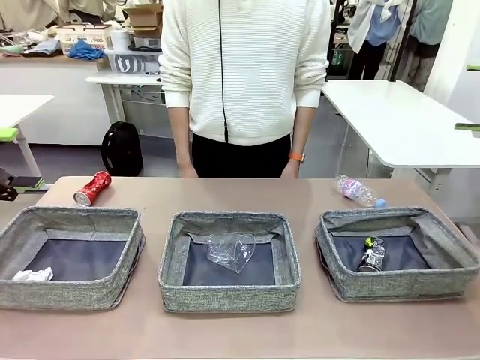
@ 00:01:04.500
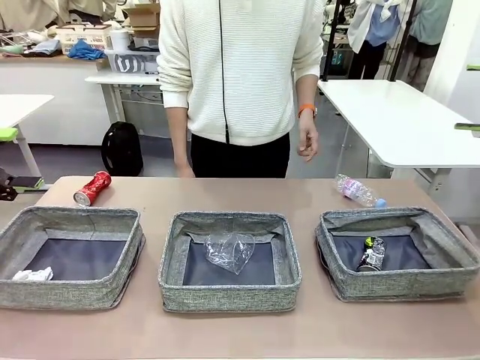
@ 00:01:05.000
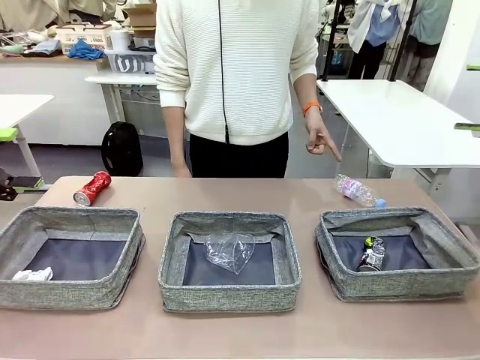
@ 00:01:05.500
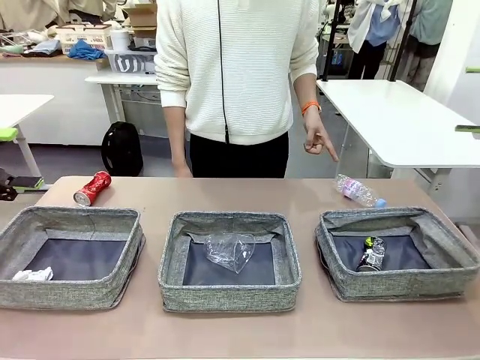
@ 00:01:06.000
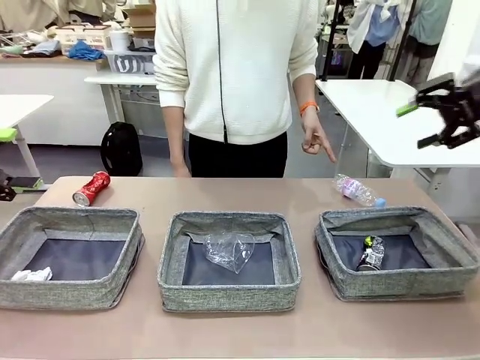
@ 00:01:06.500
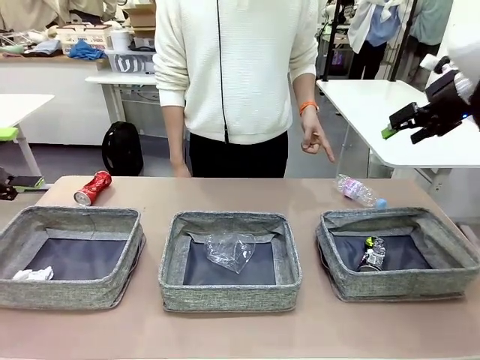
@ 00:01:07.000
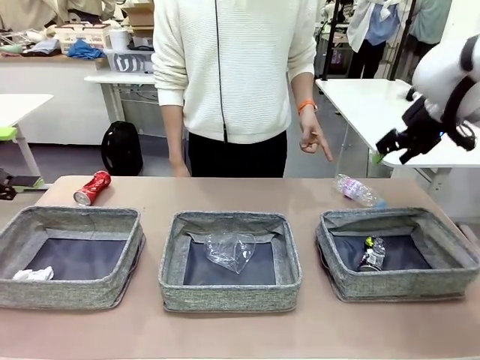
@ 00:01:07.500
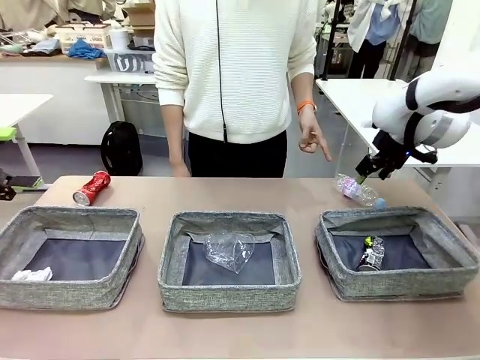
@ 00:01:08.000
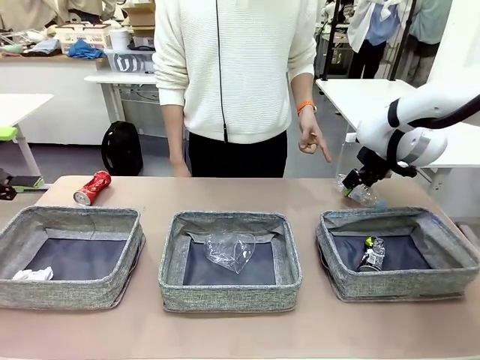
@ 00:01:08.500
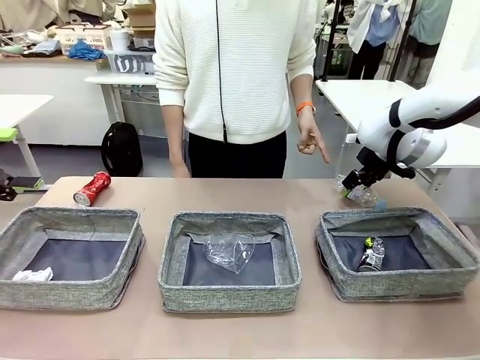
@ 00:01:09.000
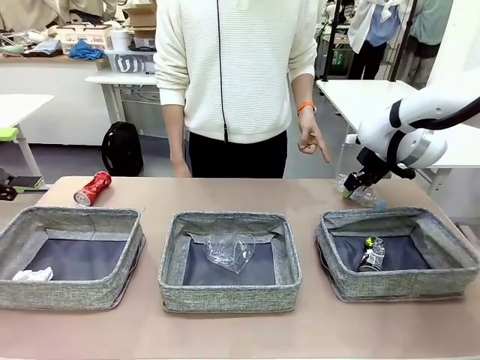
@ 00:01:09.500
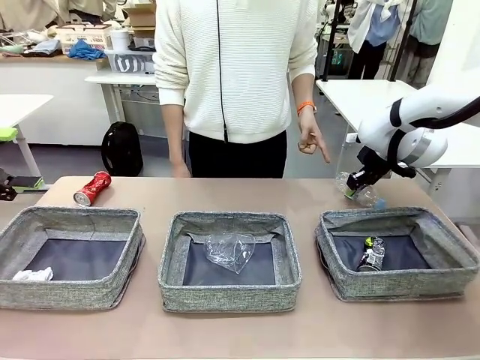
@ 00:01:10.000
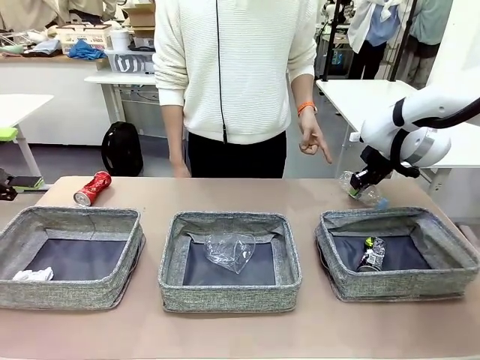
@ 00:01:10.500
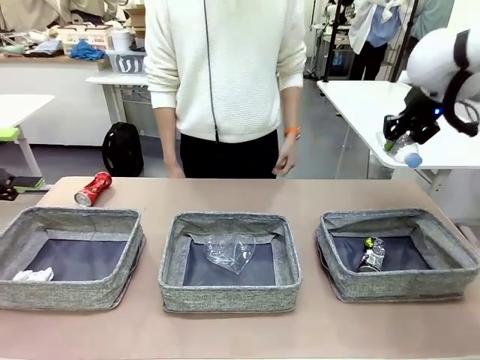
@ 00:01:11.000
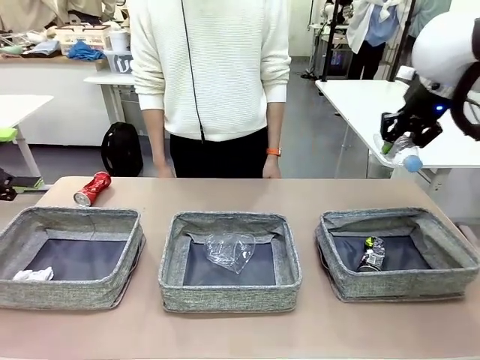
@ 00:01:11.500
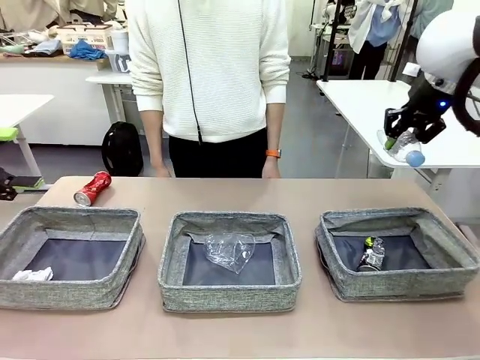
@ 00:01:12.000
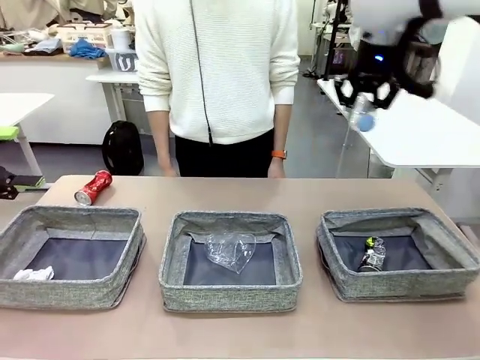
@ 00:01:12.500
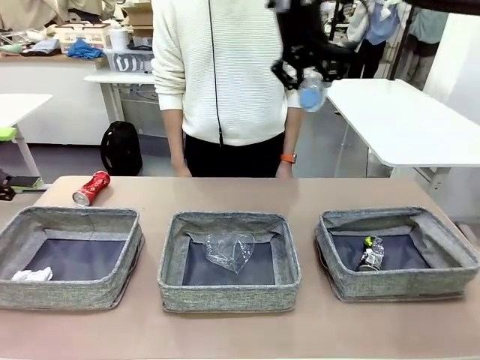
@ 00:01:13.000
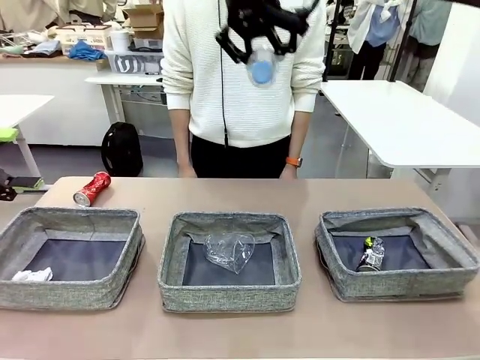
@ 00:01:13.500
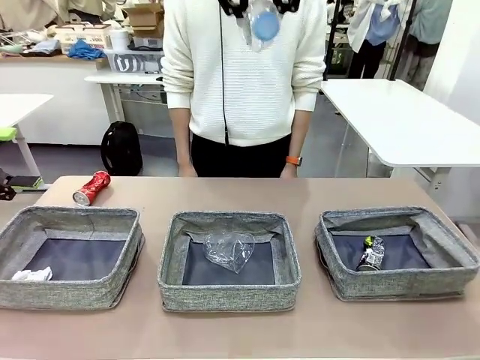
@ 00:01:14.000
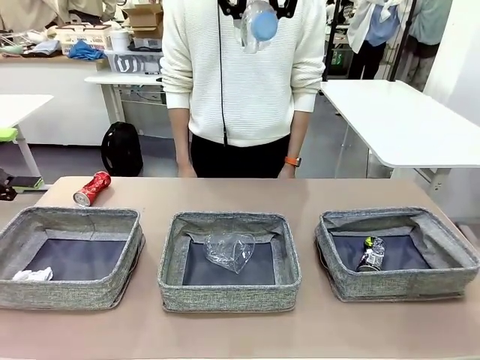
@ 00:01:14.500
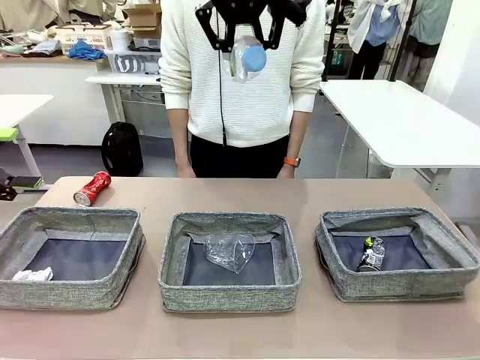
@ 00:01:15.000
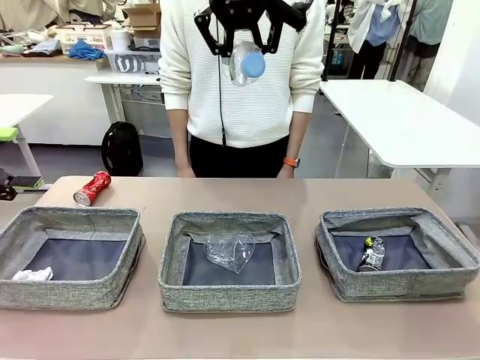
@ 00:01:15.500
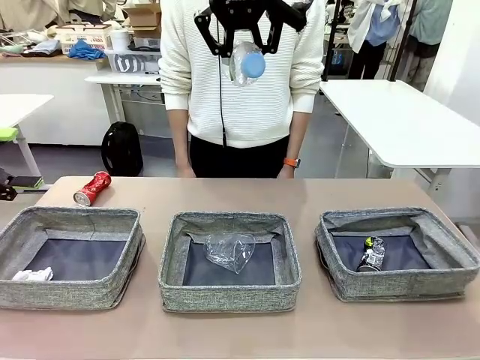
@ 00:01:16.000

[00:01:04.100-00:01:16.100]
Task: Sort the waste into the appropriate baskets.
Robot: Pick up the waste item pointed out by the person.
Person: Points to one piece of trash on the table.

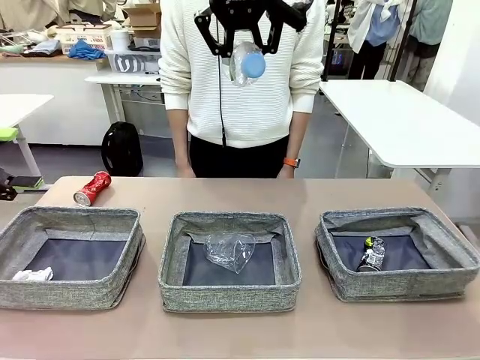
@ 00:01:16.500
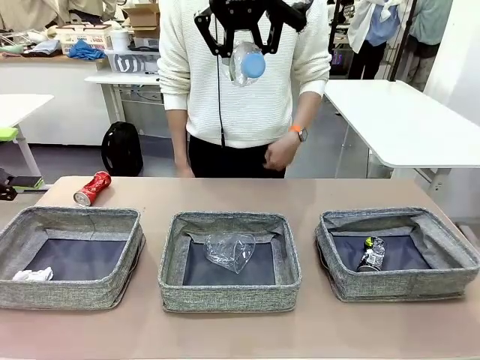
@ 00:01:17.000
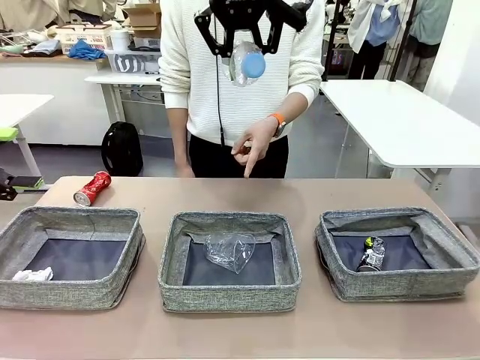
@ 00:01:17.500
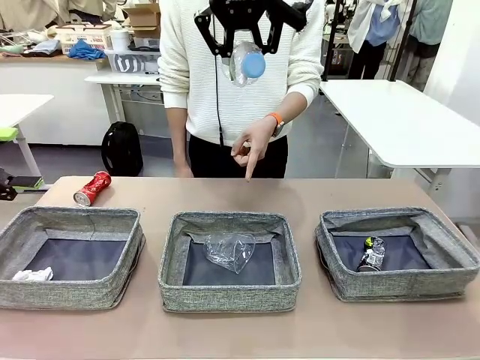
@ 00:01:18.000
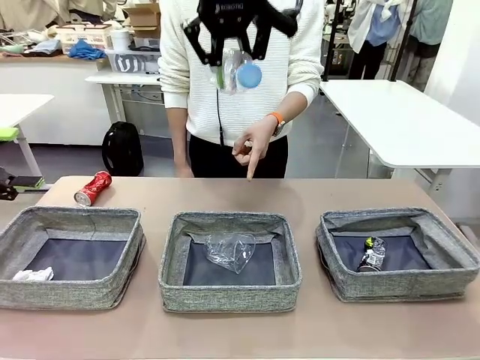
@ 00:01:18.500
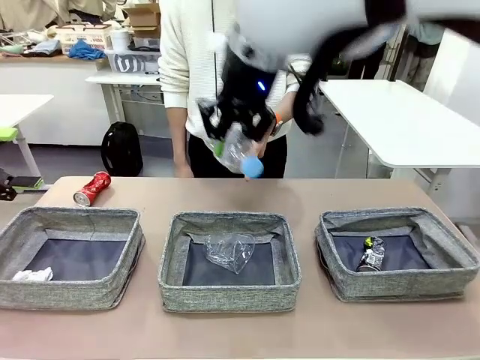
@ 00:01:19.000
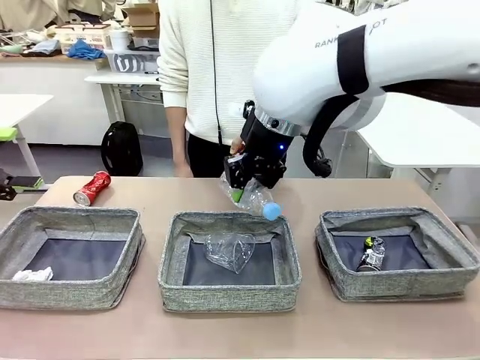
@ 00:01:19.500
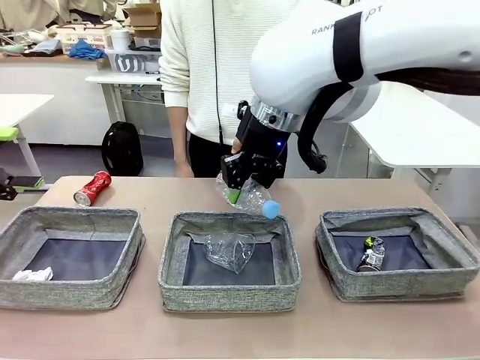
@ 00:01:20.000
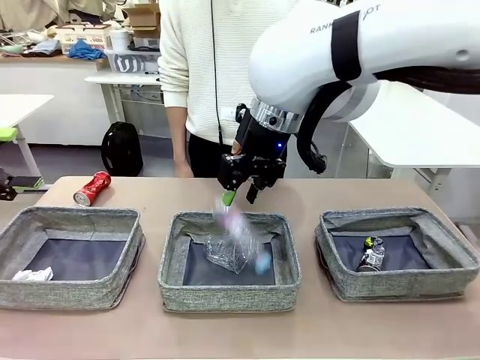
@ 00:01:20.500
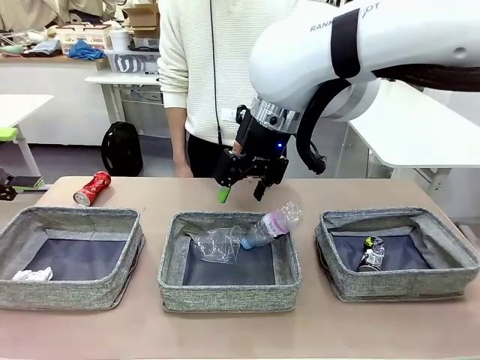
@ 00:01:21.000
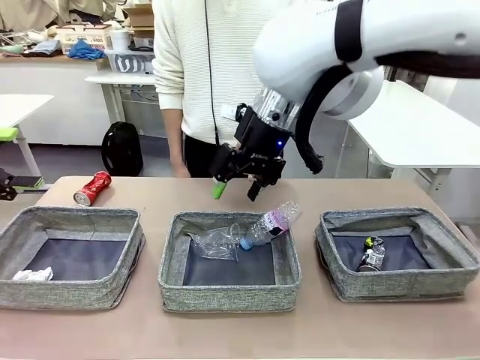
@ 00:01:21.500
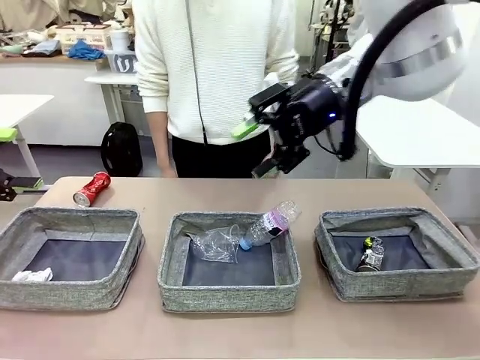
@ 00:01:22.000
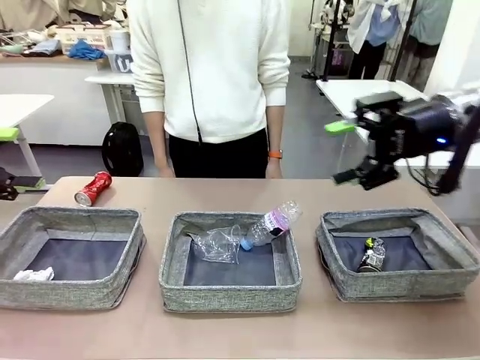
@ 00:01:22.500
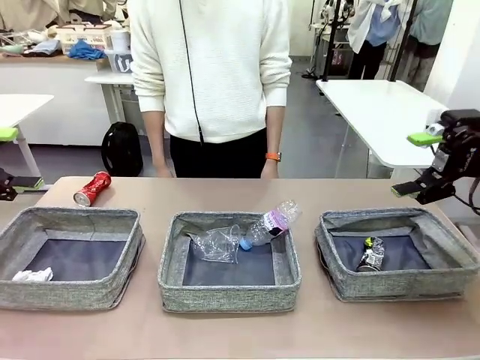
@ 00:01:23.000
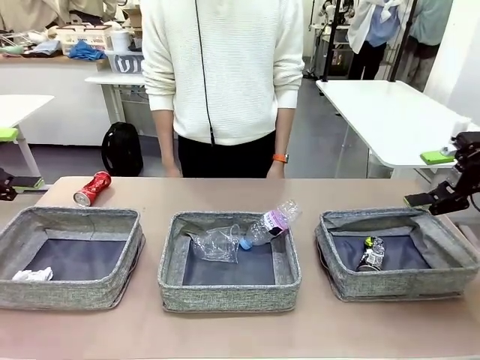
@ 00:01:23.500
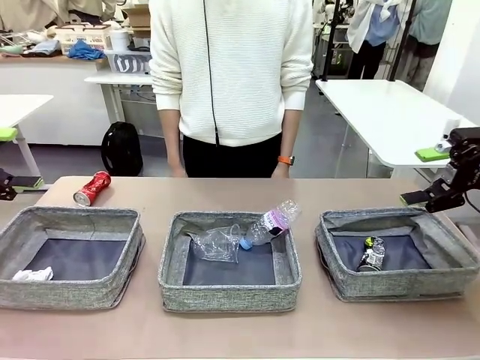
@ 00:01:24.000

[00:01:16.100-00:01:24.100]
Robot: Place the picked waste into the Fabric basket indicated by the person.
Person: Instructs the robot to place the picked-up trash into the appropriate organizing basket.

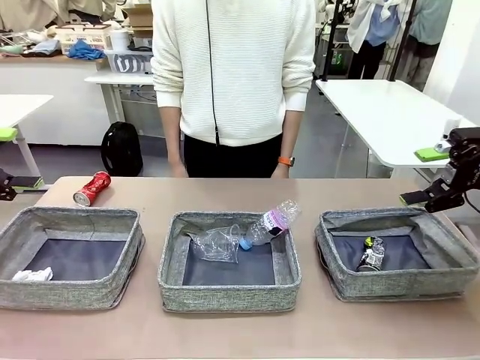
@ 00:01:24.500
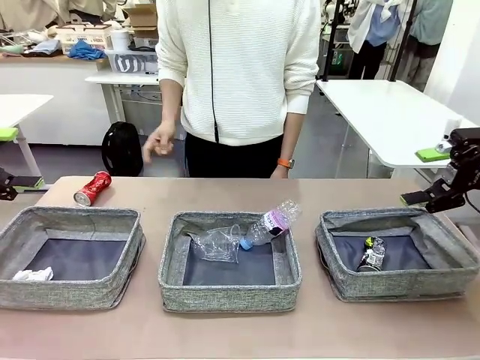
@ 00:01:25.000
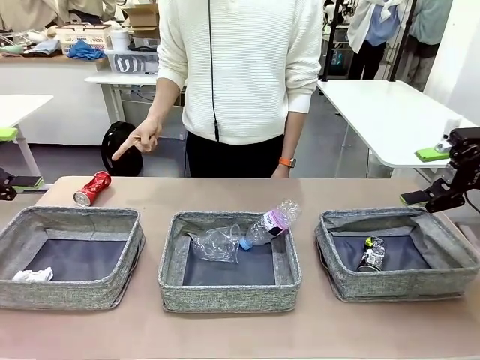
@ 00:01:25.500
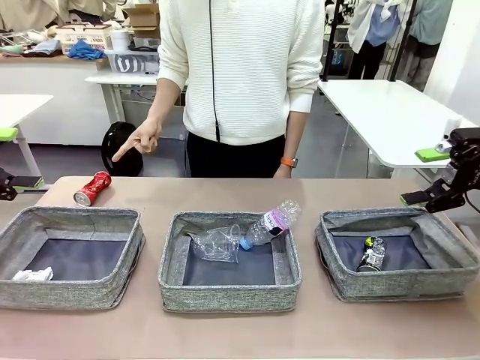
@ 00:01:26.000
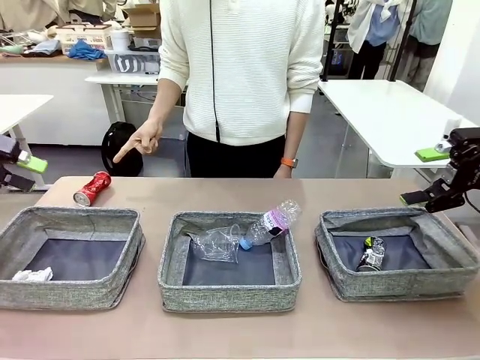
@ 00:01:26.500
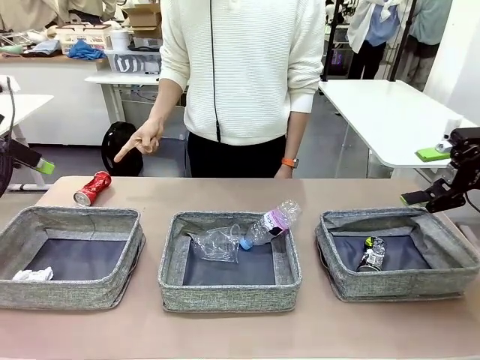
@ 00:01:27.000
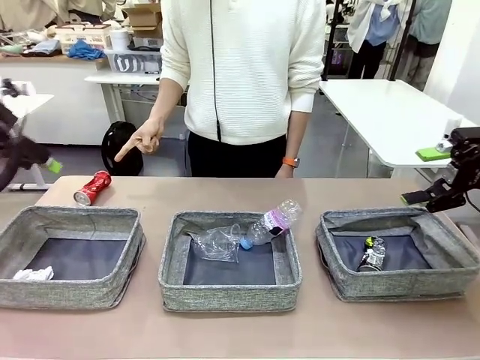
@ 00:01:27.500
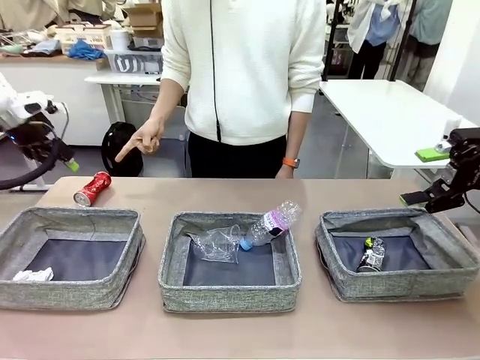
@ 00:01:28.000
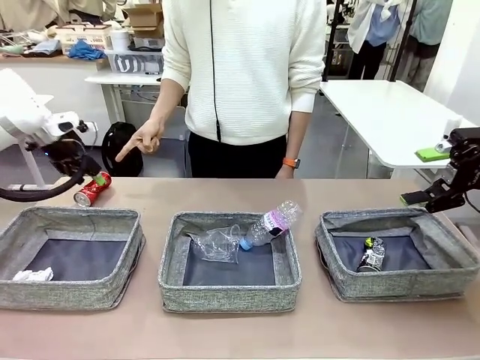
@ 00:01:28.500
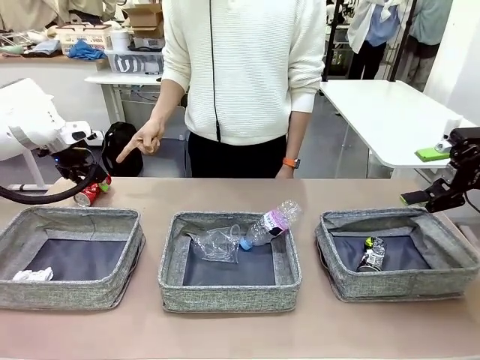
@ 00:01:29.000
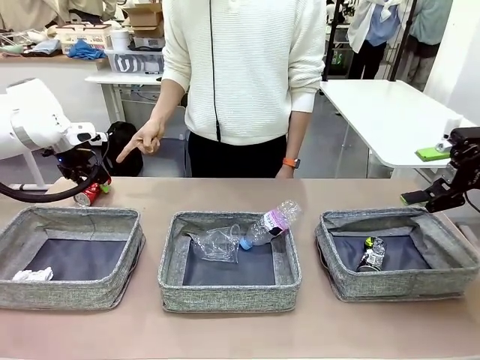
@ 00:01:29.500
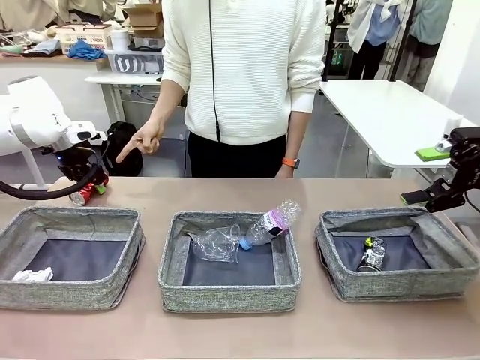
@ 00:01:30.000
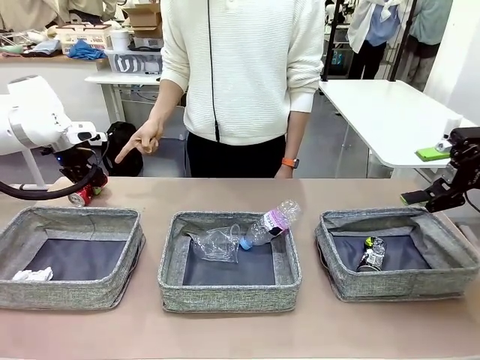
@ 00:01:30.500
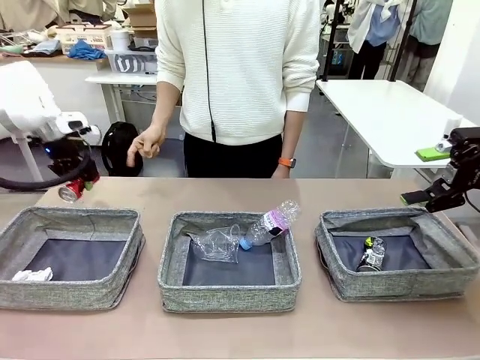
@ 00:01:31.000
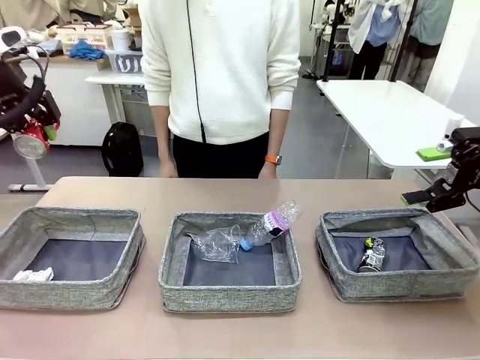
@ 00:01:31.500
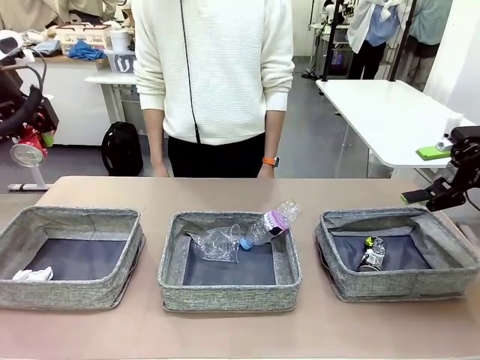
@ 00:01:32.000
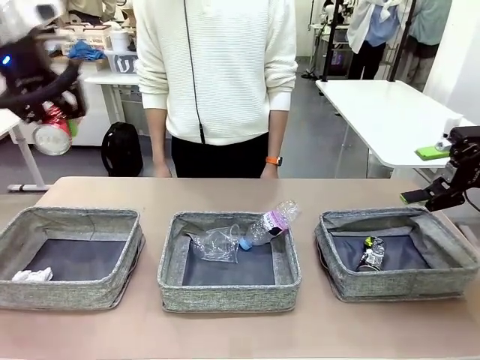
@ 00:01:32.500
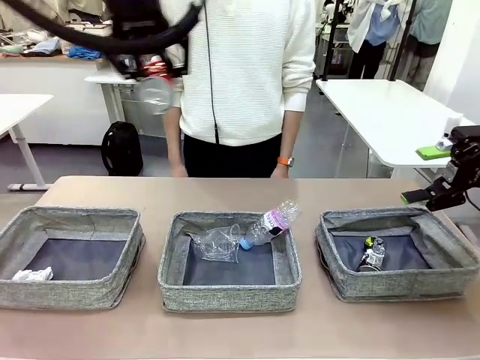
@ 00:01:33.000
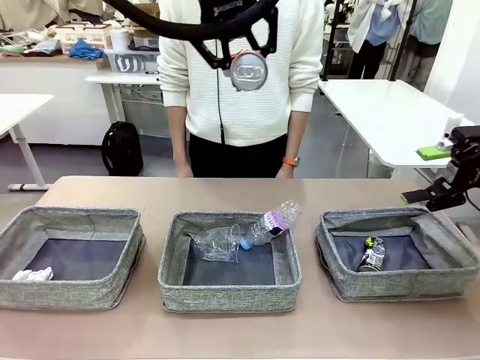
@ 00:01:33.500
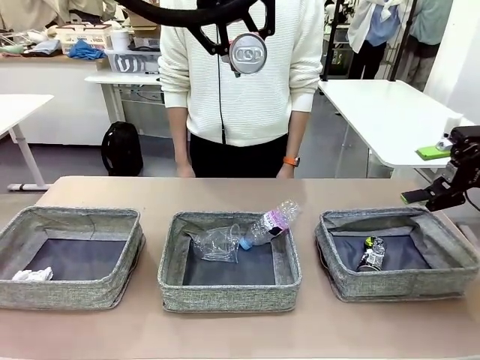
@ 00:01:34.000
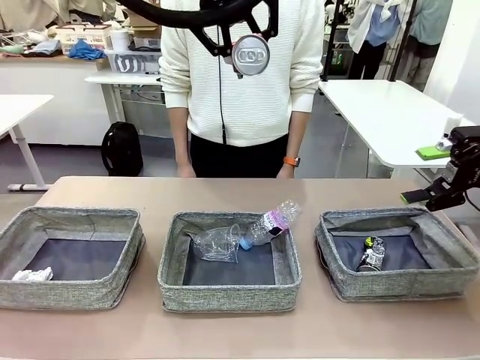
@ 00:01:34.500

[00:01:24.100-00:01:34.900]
Robot: Pick up the waste item pointed out by the person.
Person: Points to one piece of trash on the table.
